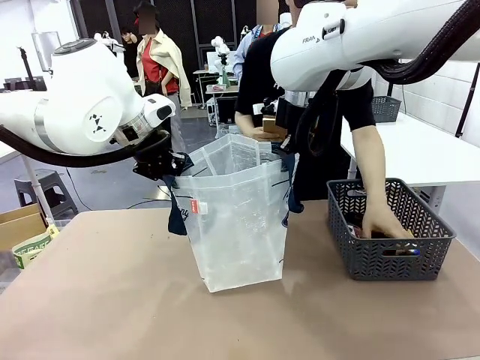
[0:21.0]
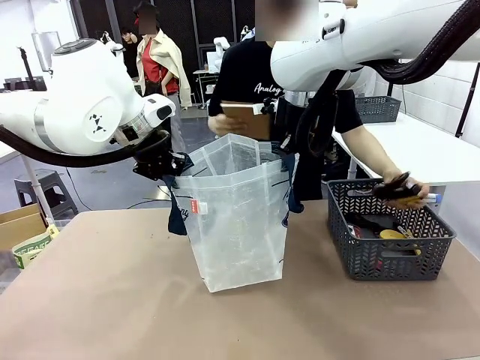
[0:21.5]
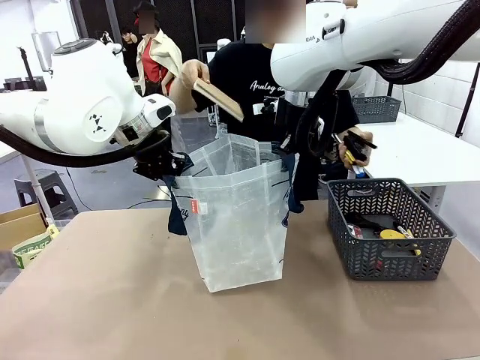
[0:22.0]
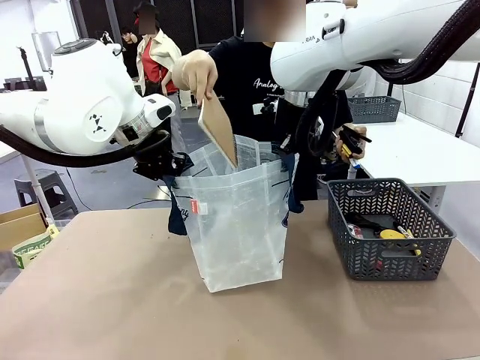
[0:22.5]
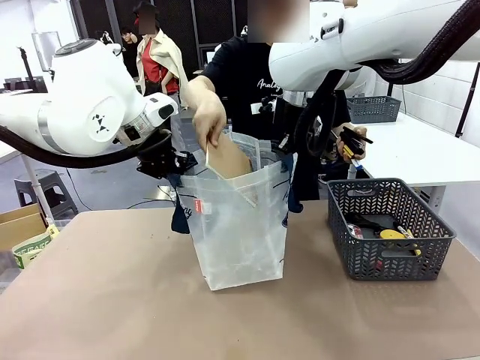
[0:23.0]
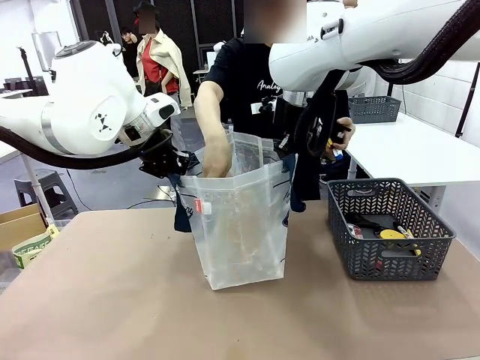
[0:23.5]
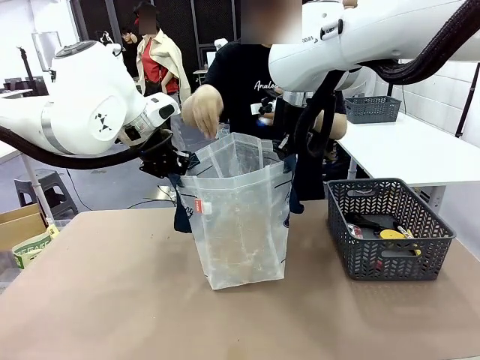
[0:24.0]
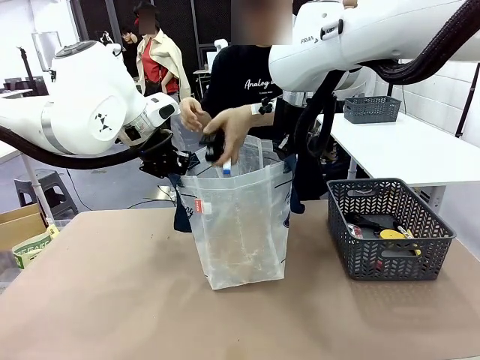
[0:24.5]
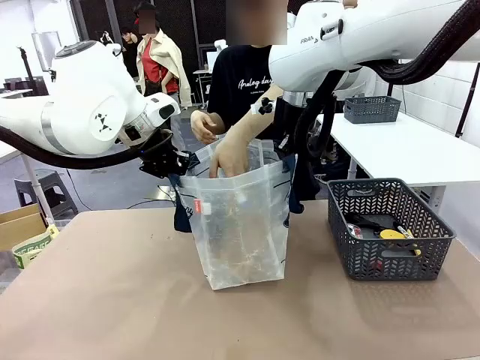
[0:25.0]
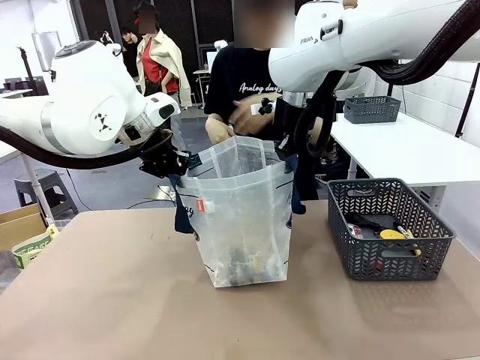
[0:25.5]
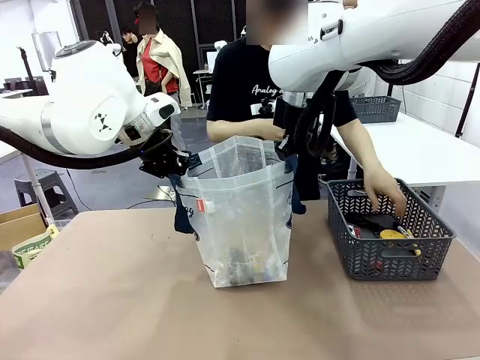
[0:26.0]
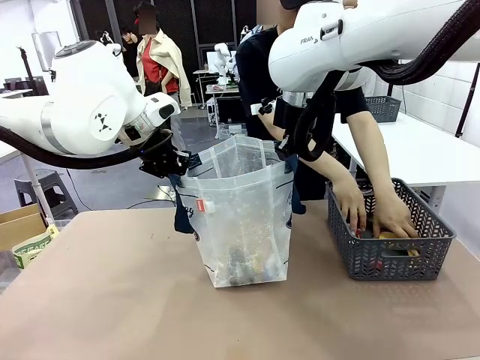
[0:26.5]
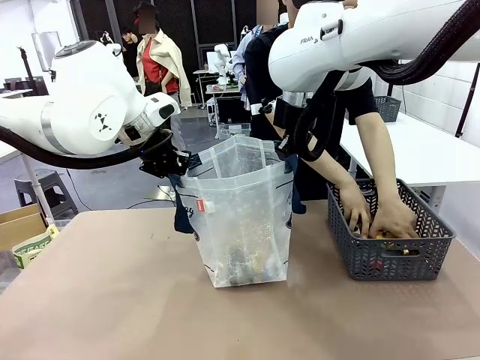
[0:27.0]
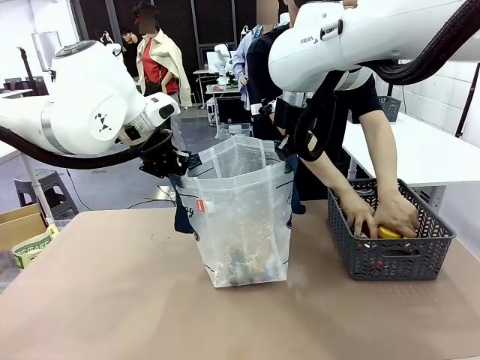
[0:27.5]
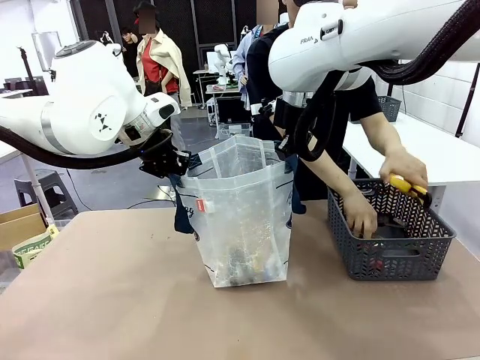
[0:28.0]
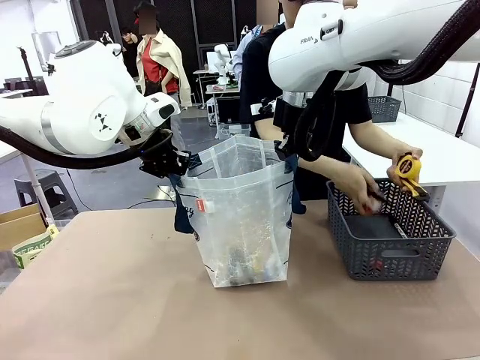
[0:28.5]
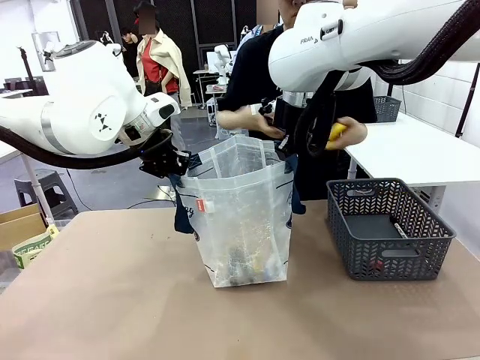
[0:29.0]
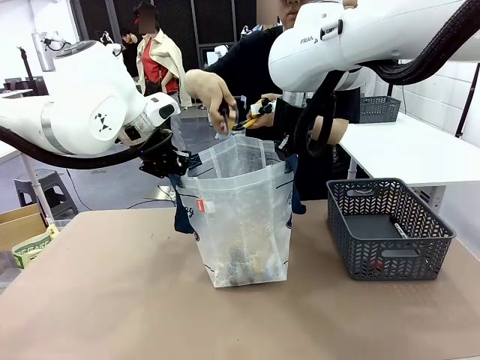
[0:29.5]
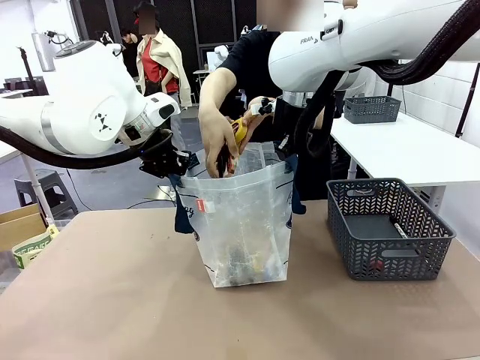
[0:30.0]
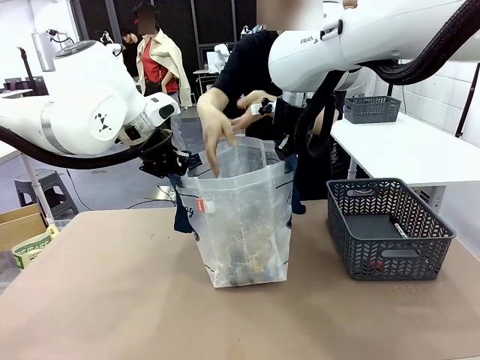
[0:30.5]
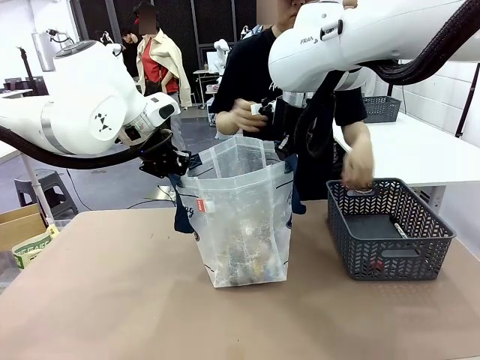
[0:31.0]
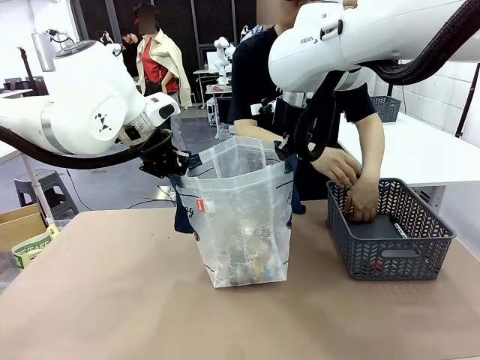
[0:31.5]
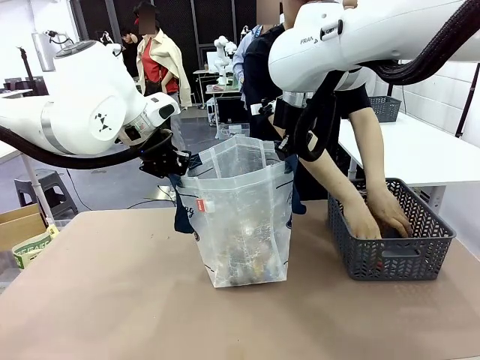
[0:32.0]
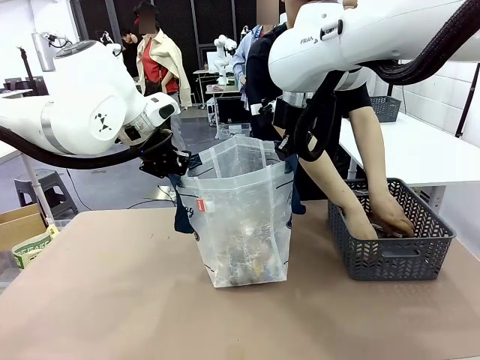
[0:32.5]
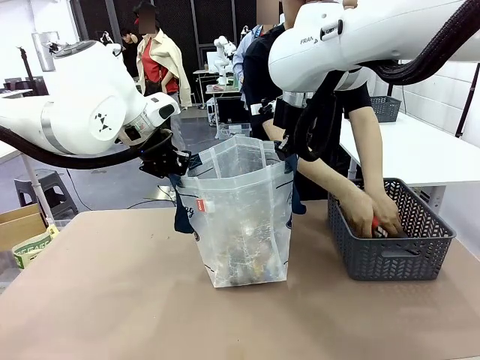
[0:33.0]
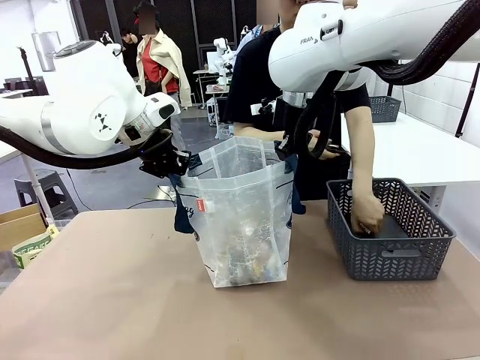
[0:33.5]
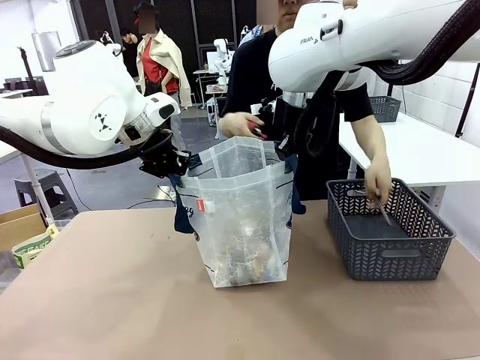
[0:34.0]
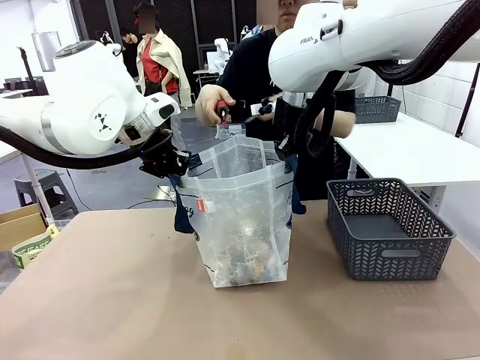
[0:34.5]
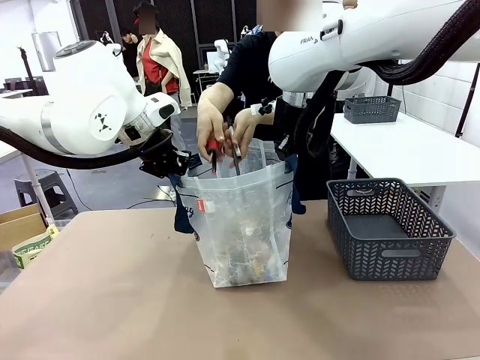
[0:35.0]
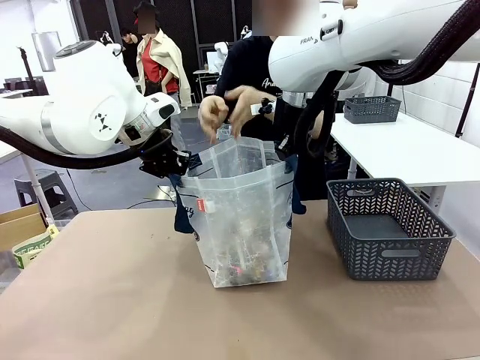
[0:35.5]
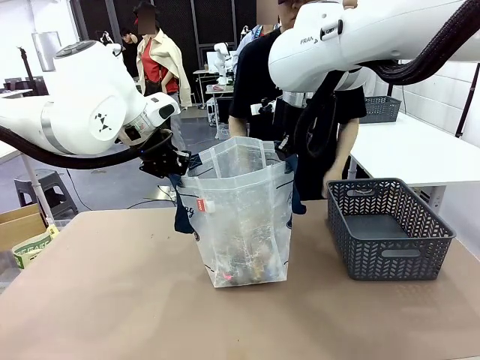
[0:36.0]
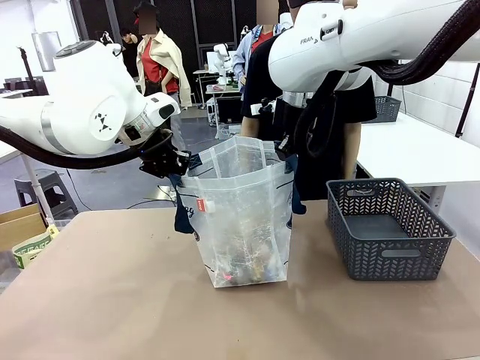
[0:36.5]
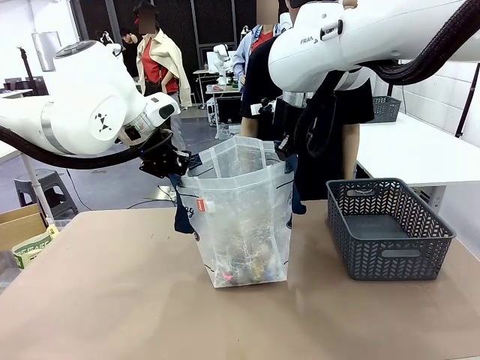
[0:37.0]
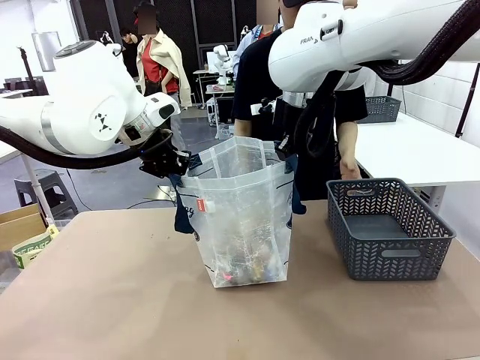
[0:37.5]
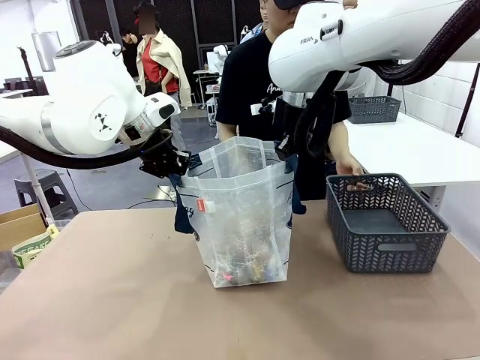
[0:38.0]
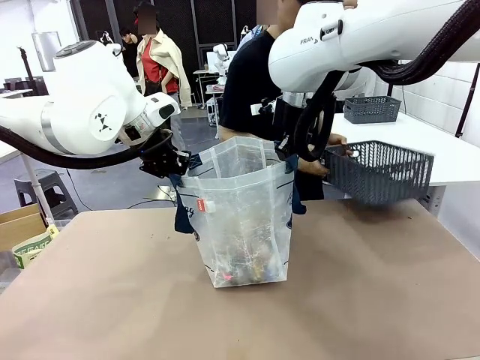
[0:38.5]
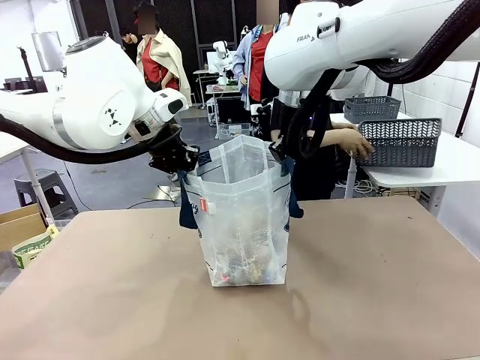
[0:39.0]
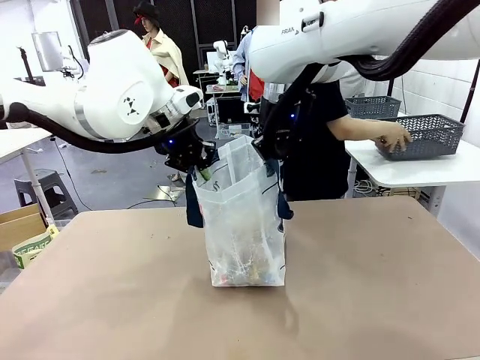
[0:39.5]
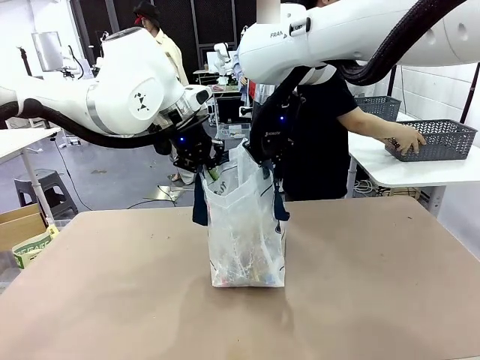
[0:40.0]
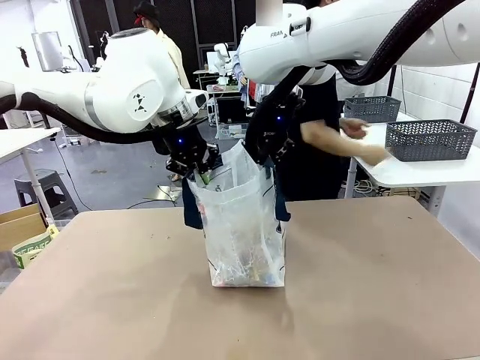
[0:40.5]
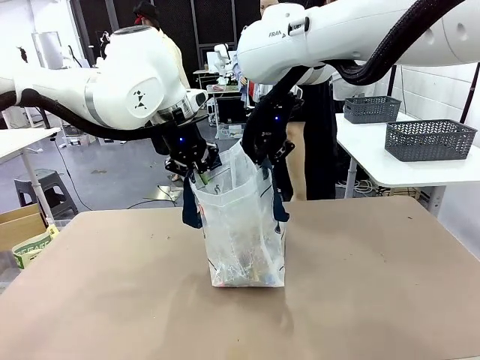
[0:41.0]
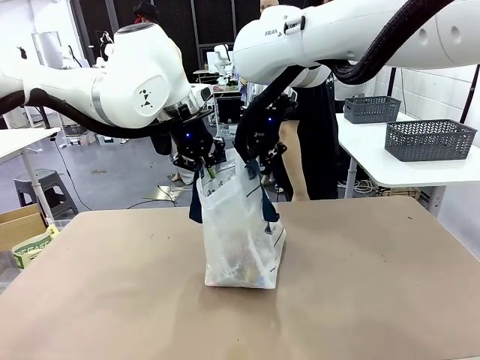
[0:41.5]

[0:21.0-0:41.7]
Task: Transfer purchased items from the store into the shopping bag.
Robot: Move the Reusable shopping bag to the right side of the table.
Person: Pick up the basket on the right, place it on the left side of the robot table, and move the items in the basket to the shopping bag. Pick up the basket with the items out and place it on the right side of the human table.
